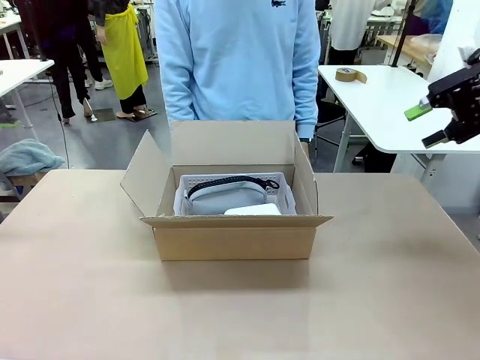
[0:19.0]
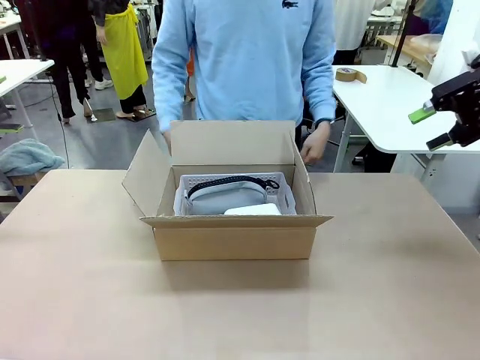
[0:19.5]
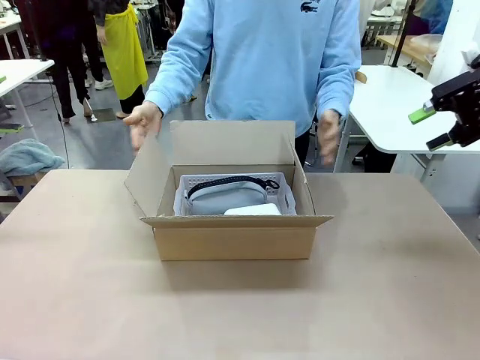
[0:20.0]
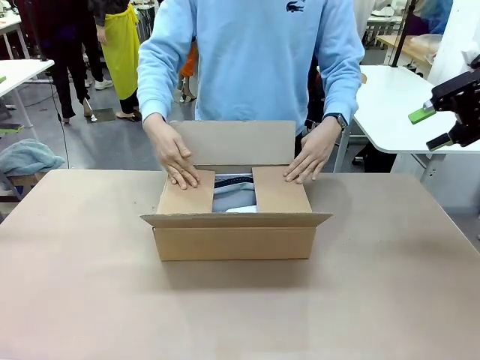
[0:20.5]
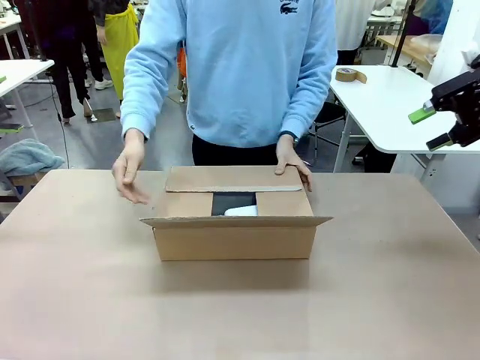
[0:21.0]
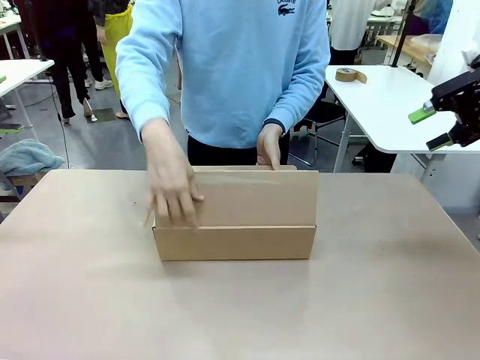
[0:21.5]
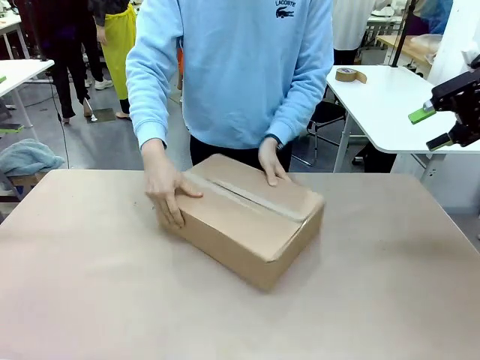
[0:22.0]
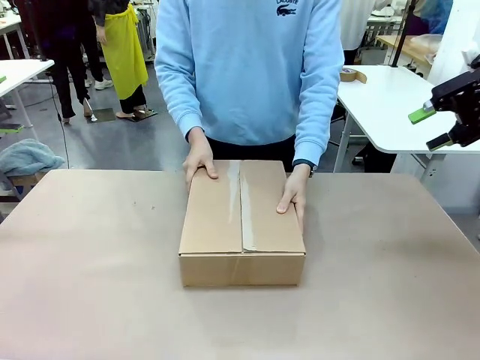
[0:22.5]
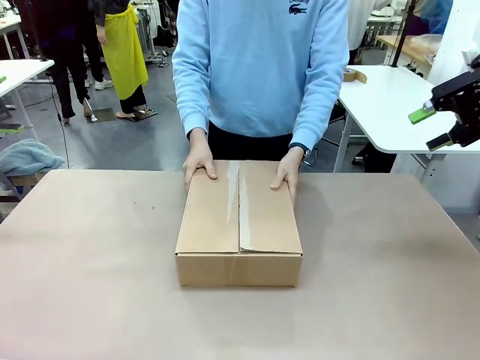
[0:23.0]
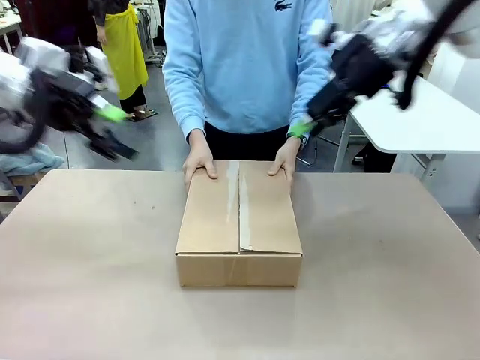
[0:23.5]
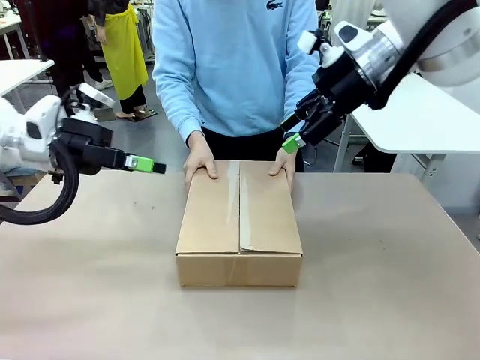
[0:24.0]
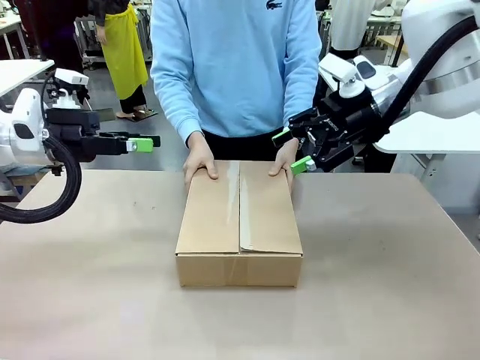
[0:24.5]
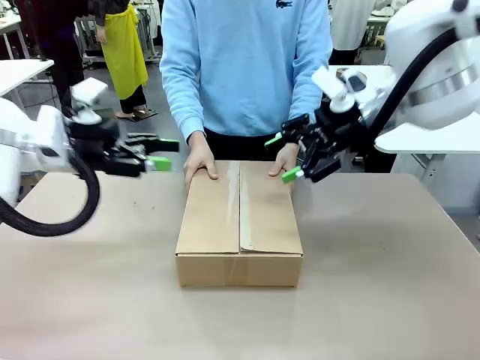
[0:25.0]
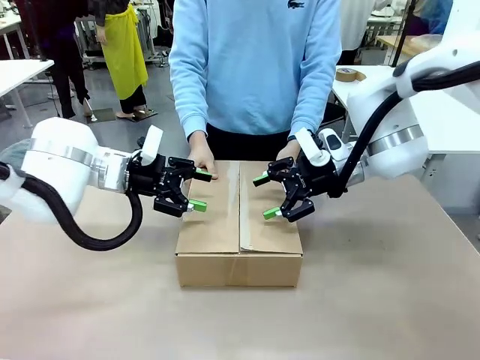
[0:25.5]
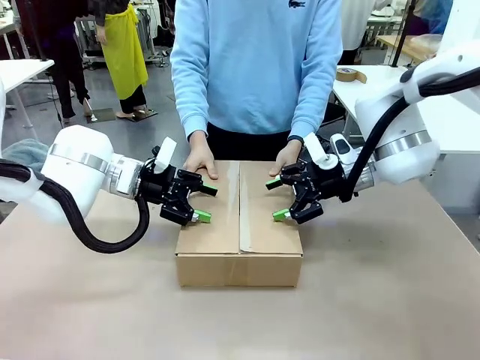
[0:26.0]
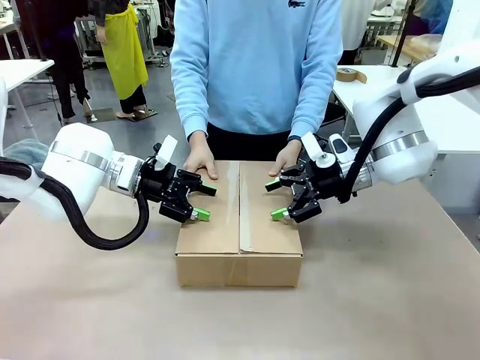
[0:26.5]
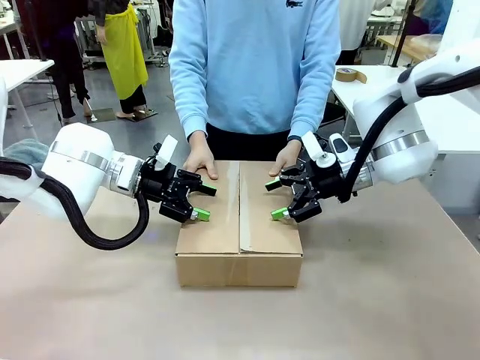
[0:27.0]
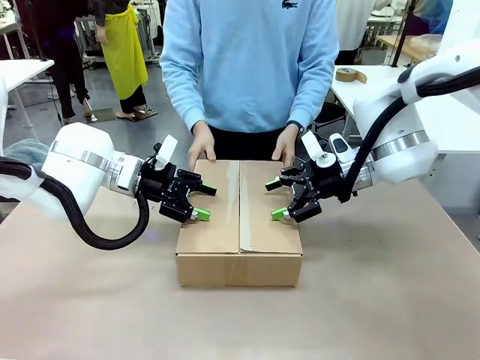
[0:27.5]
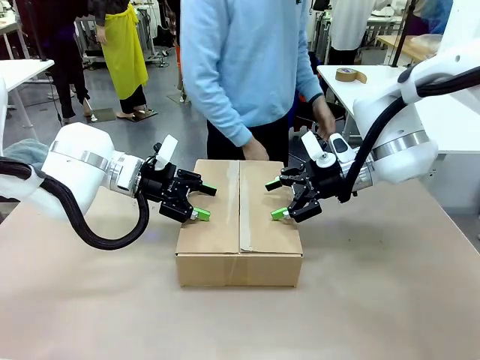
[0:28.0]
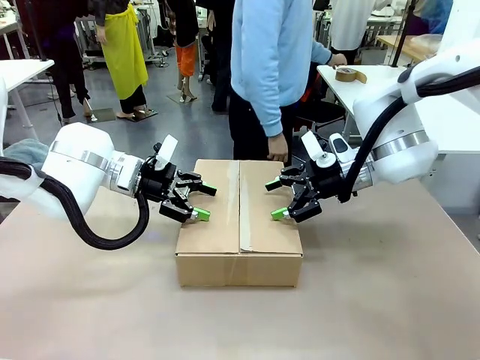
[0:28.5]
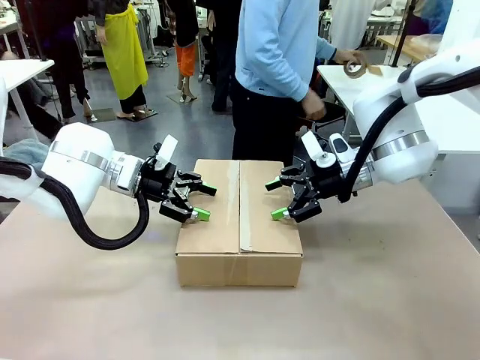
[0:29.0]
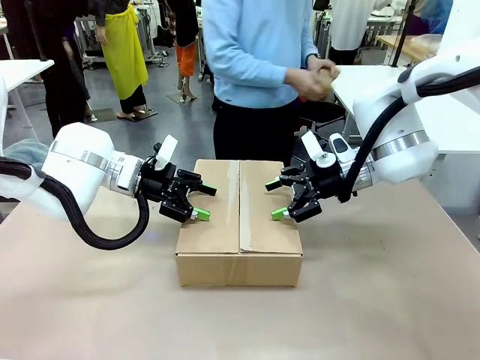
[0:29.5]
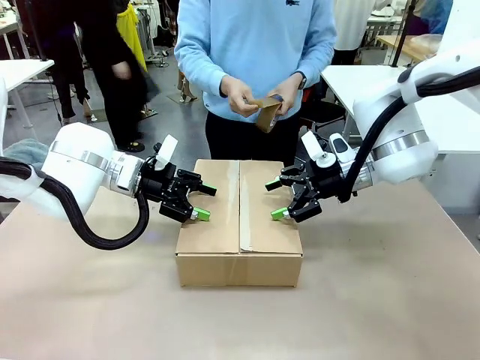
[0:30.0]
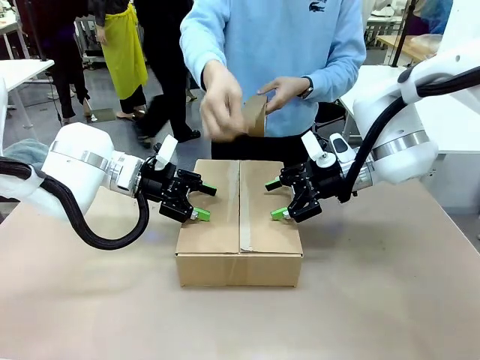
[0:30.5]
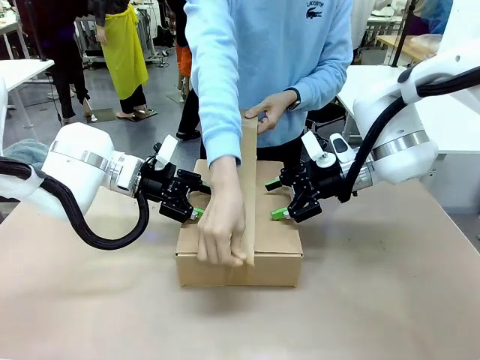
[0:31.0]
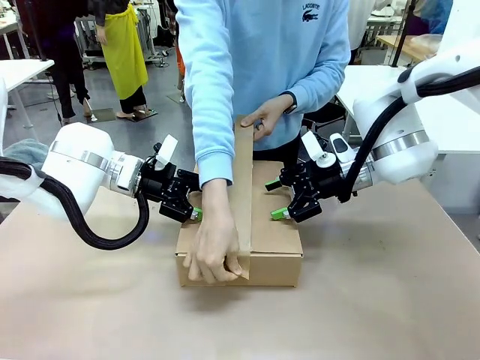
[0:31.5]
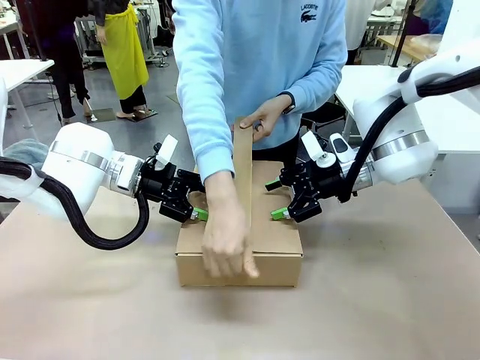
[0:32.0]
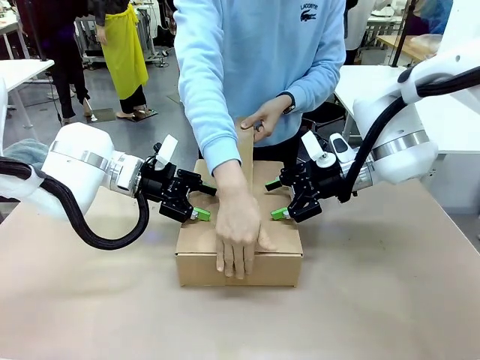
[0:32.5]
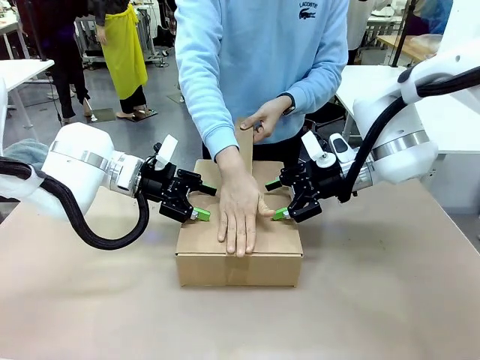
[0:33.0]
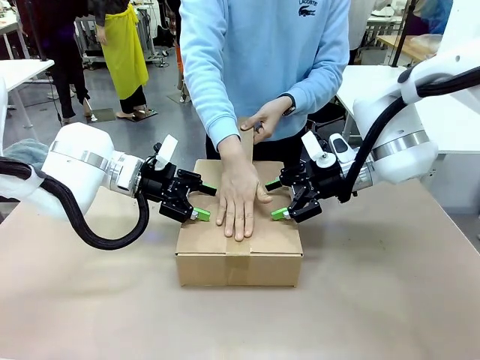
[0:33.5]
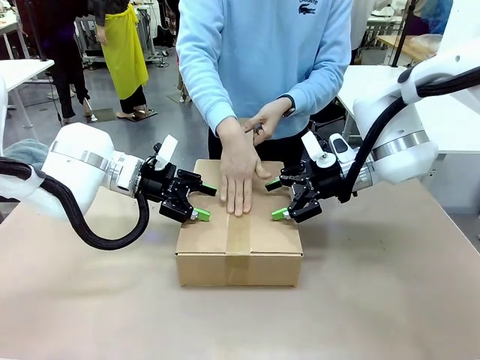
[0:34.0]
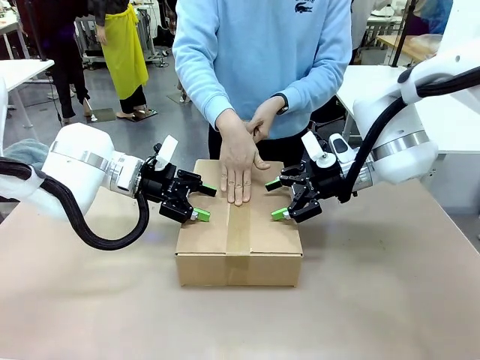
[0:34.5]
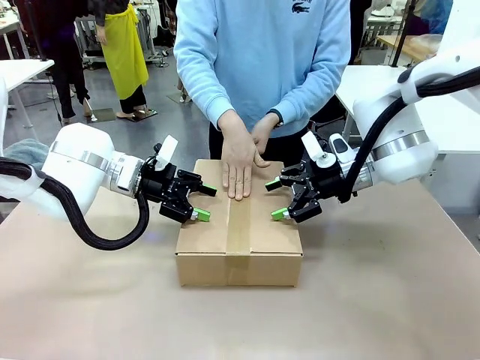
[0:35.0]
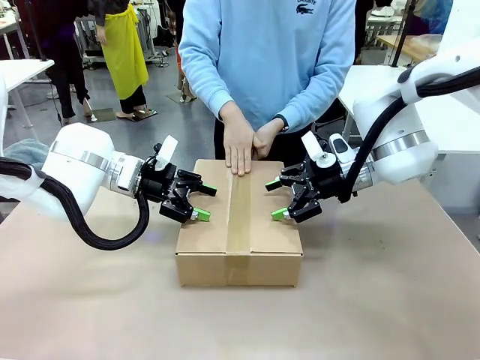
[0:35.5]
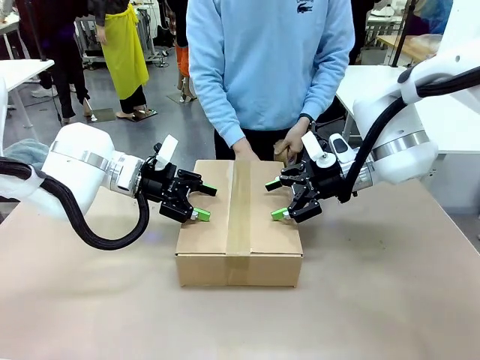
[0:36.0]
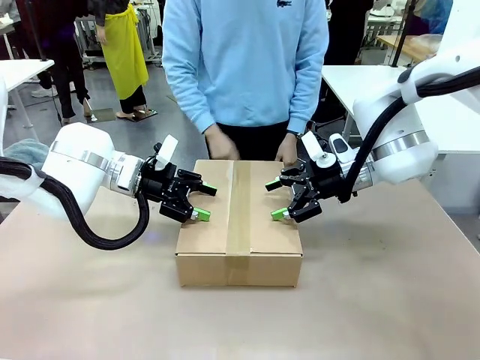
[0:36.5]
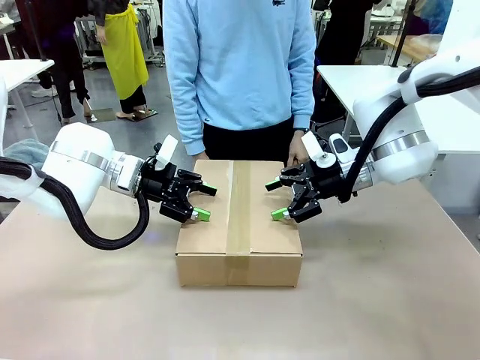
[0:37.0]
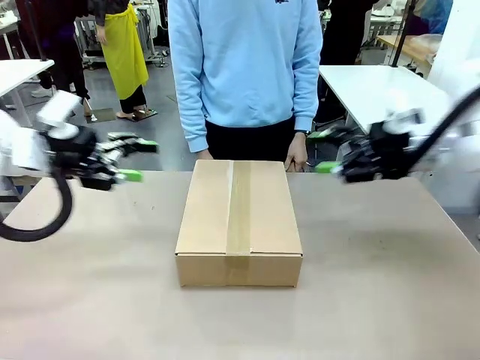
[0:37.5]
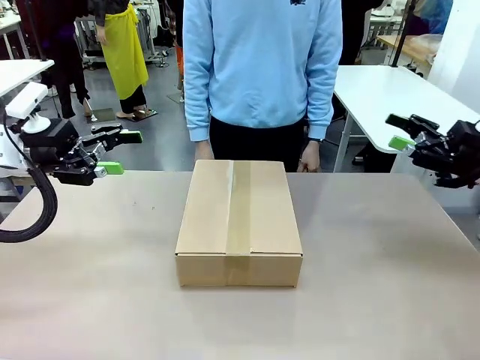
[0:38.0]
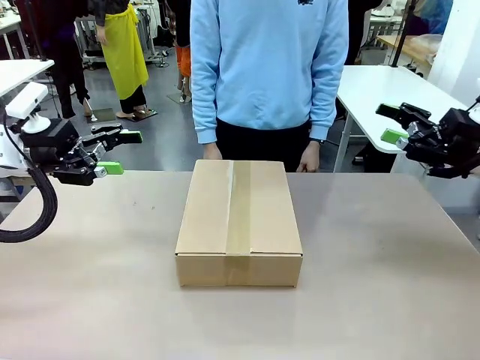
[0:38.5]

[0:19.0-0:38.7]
Task: Pack the gift set into the box.
Robot: Press and hold the closed box until the human finishes sealing it.
Person: The human closes the box and rotates the box by 90 degrees. The human picks up the paper tape from the human table and packs the box.
